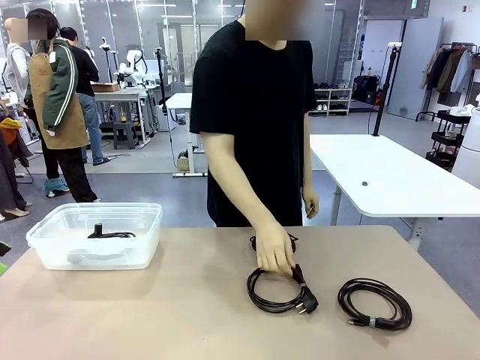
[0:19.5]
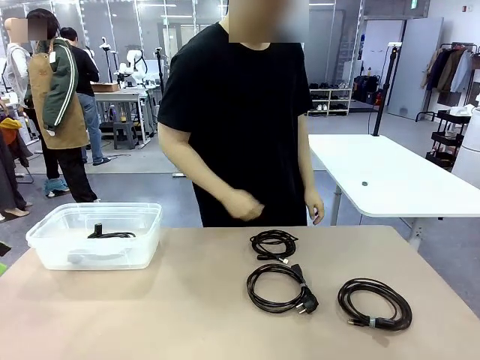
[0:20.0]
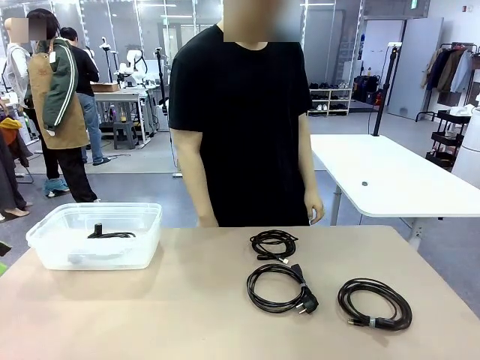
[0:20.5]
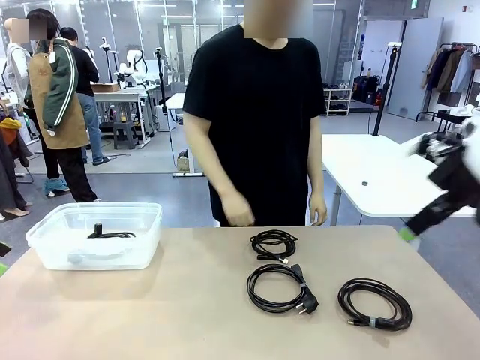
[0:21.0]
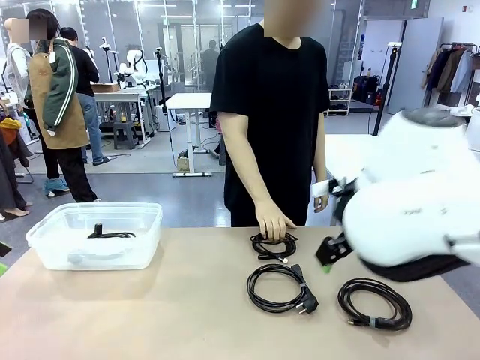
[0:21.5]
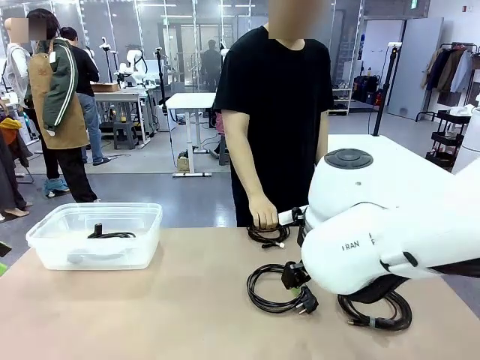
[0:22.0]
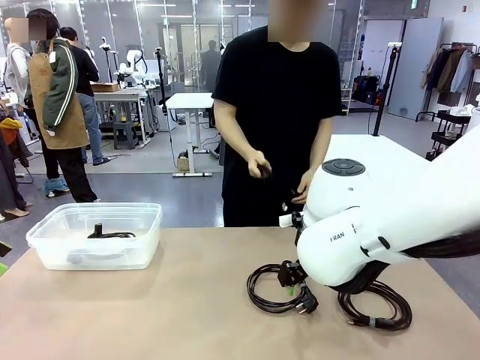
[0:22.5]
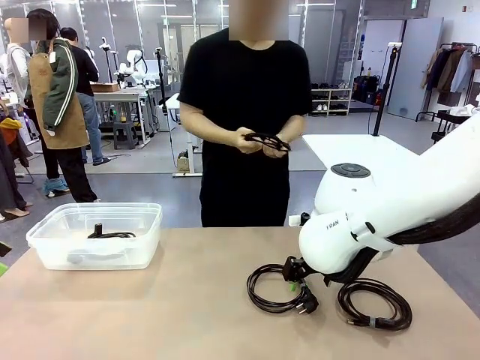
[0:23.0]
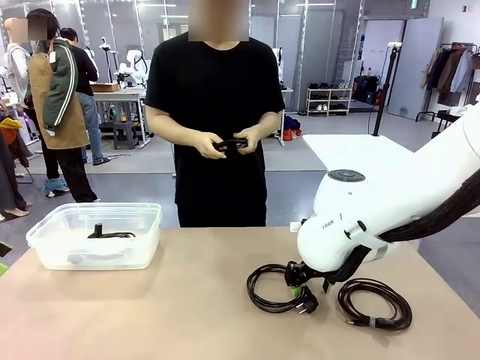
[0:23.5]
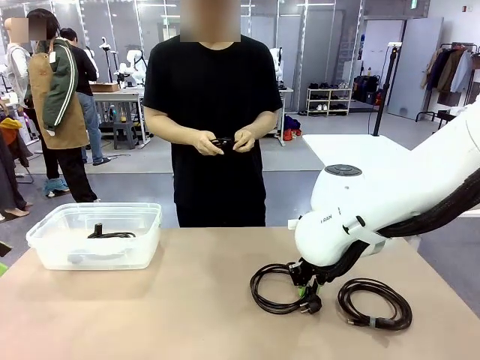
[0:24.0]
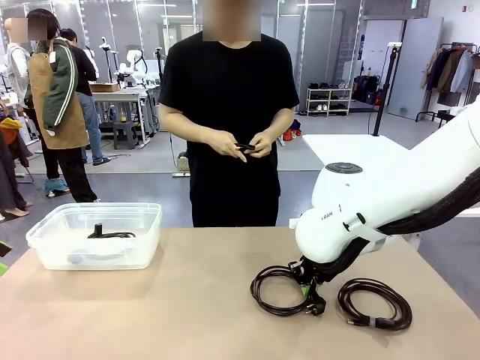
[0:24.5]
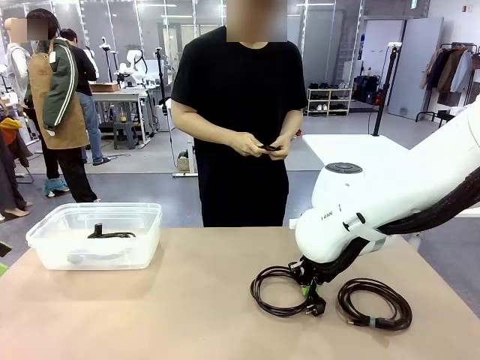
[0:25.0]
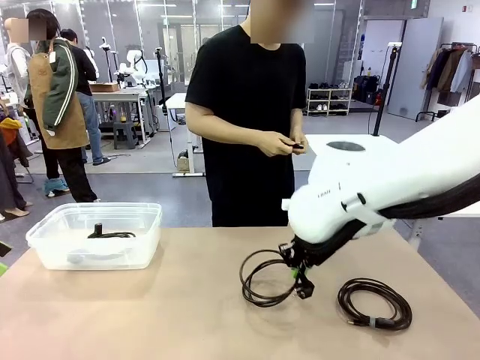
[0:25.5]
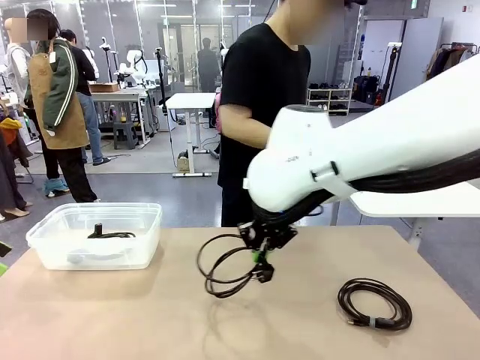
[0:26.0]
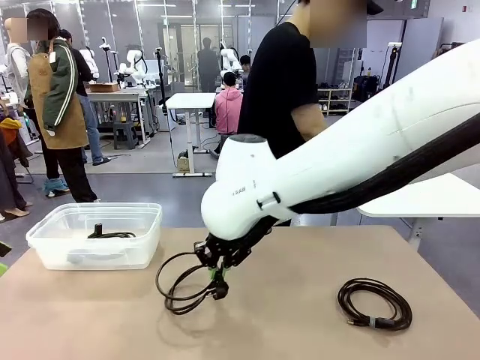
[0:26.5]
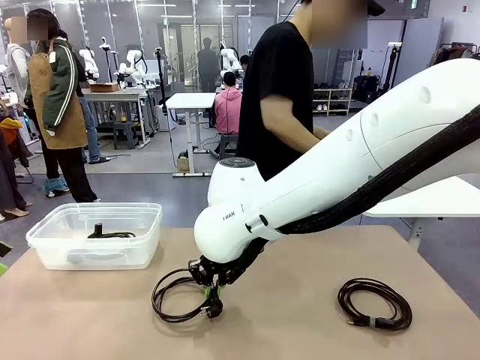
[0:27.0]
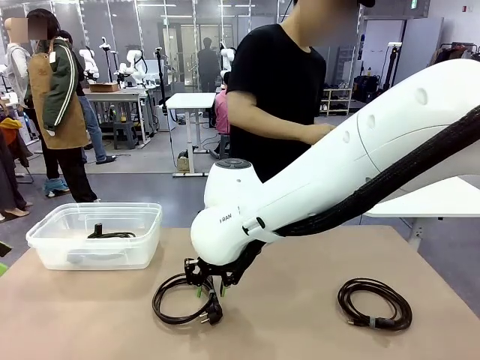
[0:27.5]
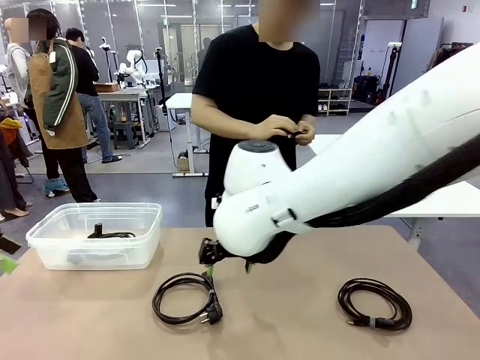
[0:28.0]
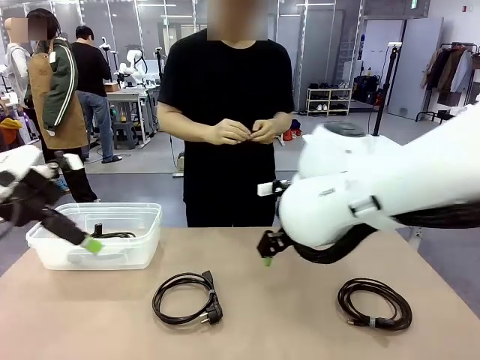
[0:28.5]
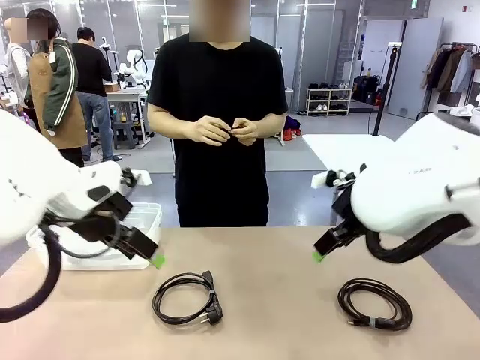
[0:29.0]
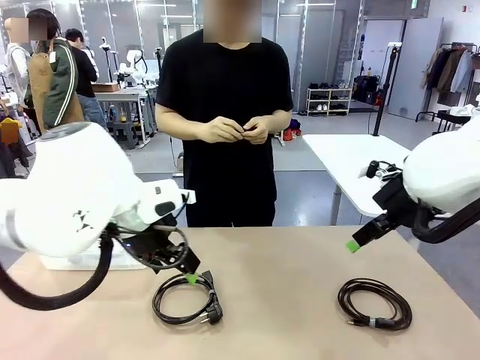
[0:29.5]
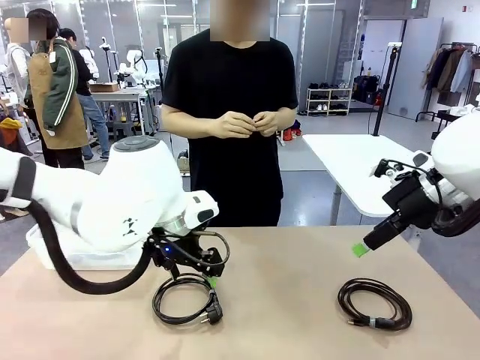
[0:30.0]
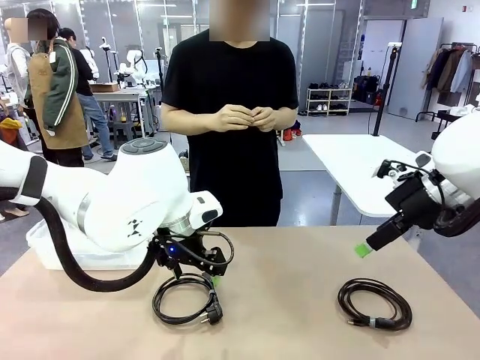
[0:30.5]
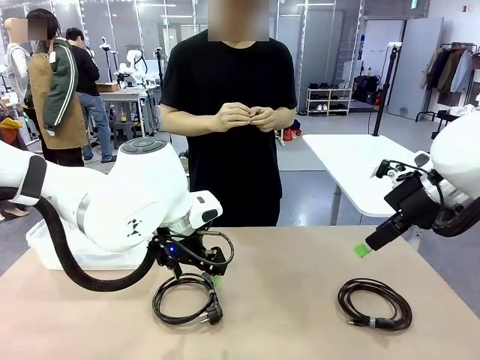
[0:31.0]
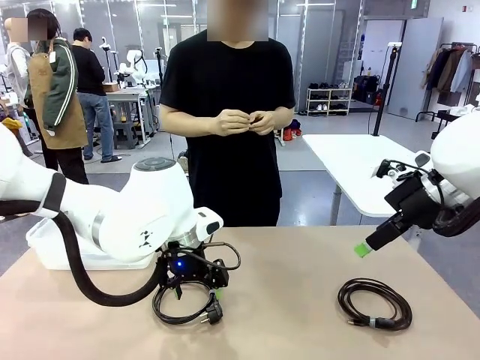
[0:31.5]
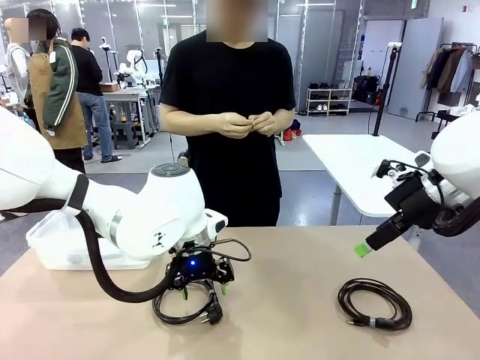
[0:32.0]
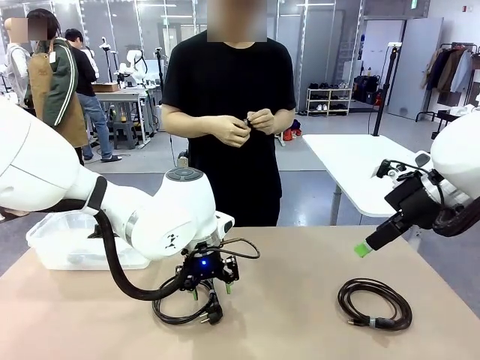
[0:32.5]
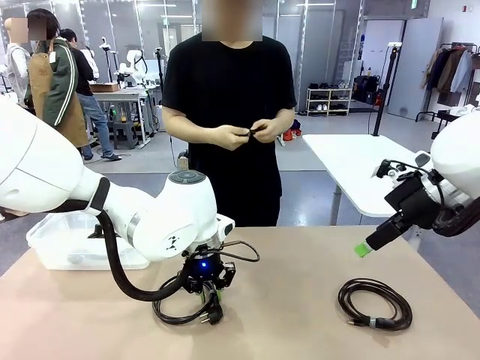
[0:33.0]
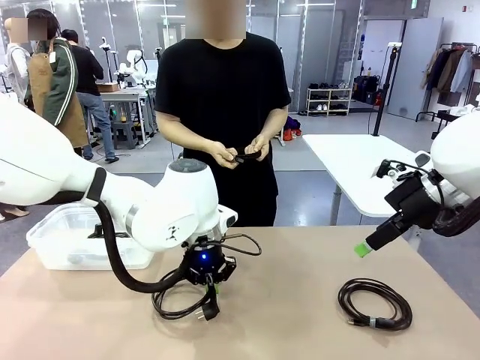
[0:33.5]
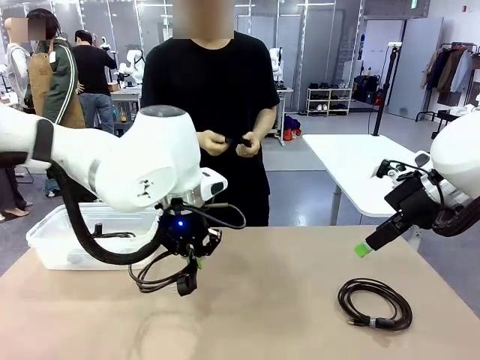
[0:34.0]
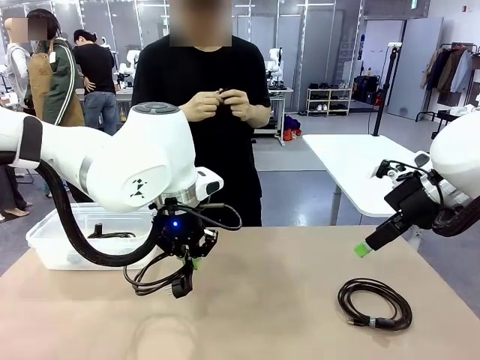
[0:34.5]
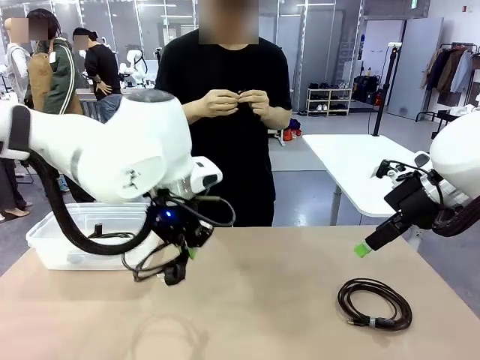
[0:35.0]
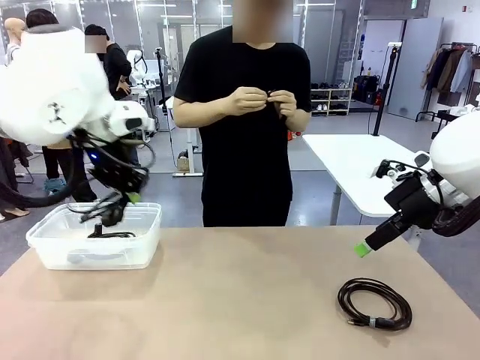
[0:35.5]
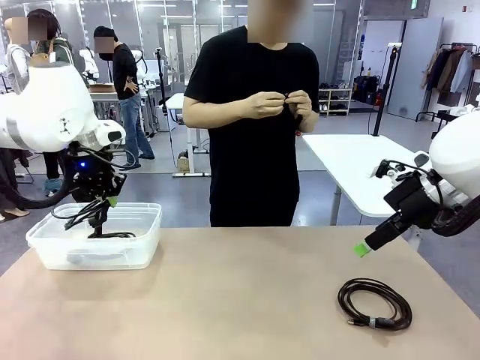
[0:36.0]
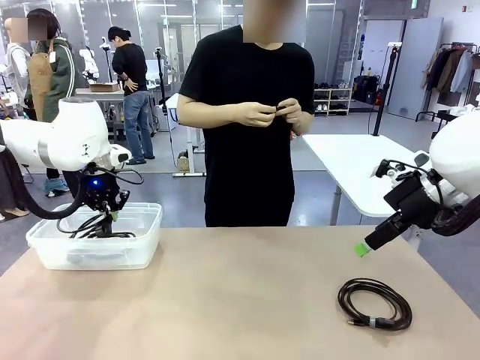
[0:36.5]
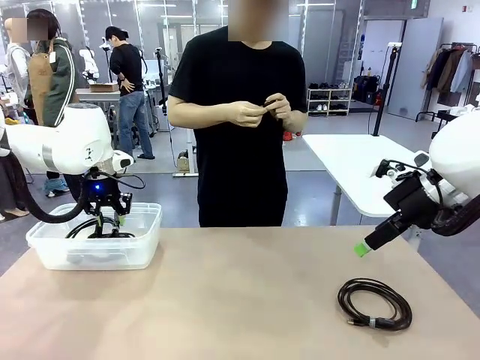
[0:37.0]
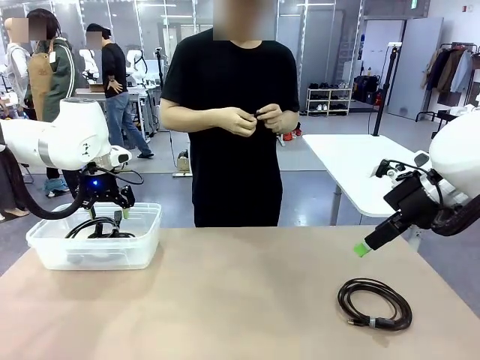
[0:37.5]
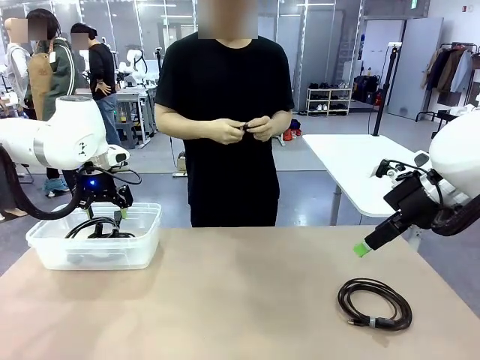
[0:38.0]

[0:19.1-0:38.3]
Task: Organize and store the cables.
Robot: Place the Power Cable into the Organizing box.

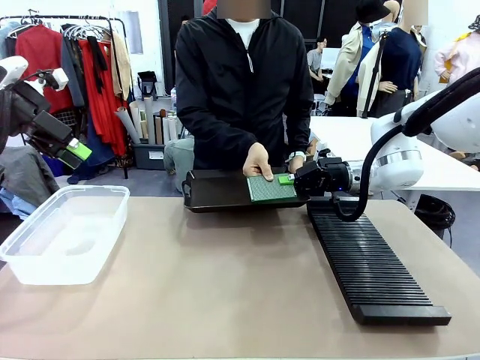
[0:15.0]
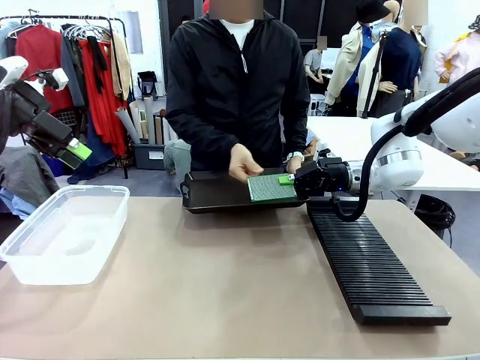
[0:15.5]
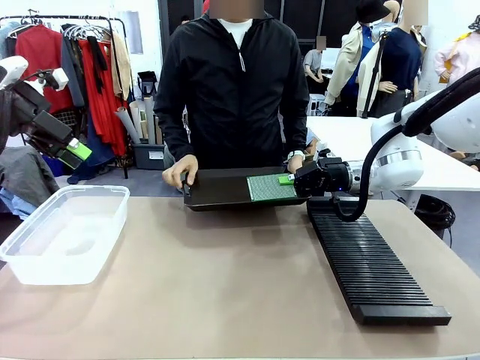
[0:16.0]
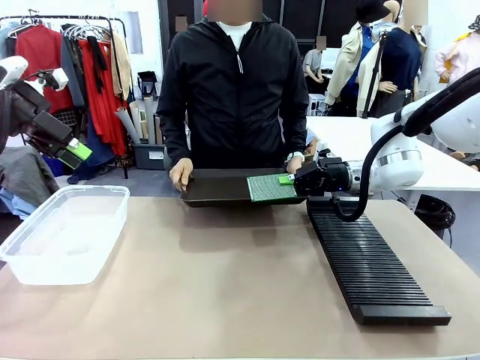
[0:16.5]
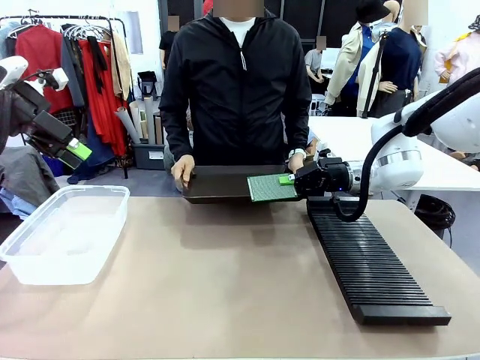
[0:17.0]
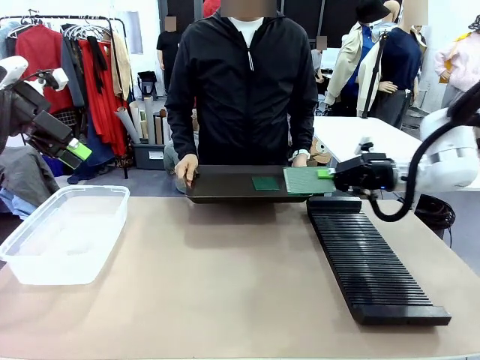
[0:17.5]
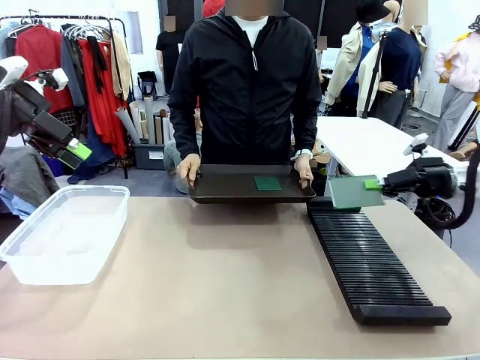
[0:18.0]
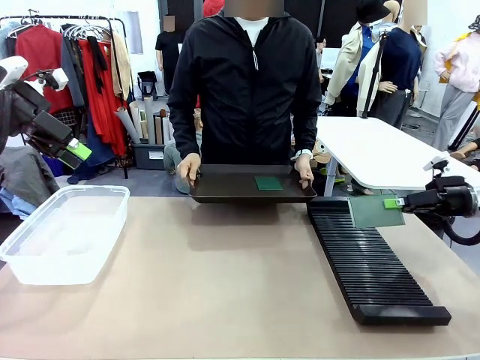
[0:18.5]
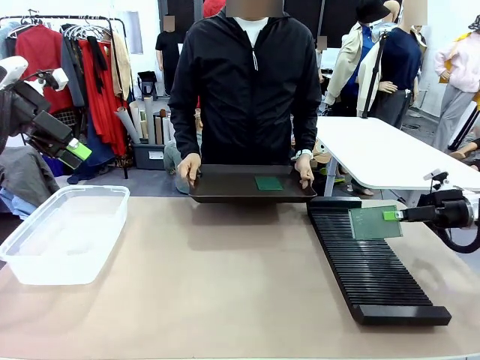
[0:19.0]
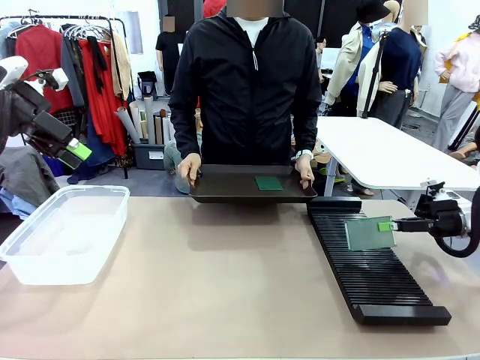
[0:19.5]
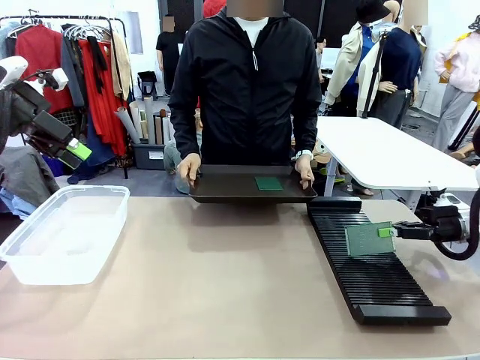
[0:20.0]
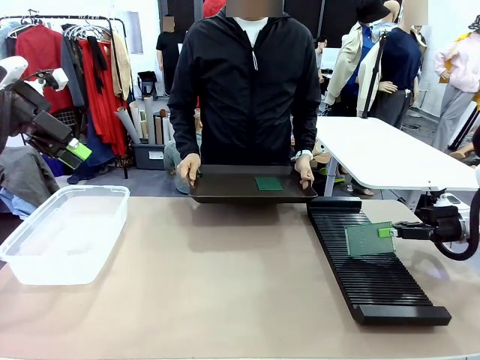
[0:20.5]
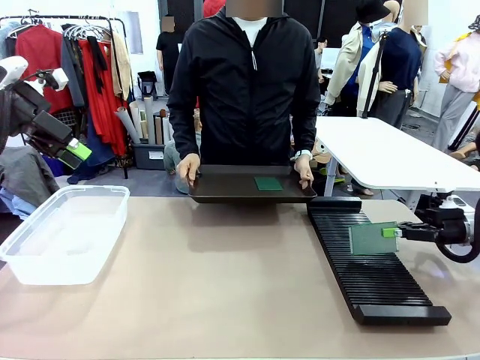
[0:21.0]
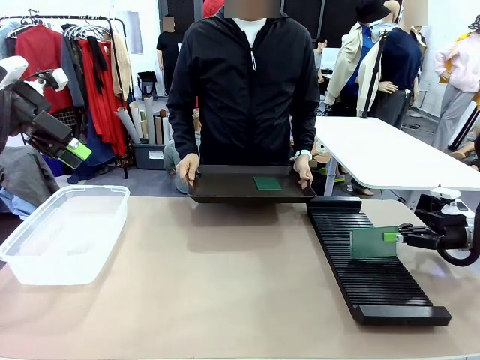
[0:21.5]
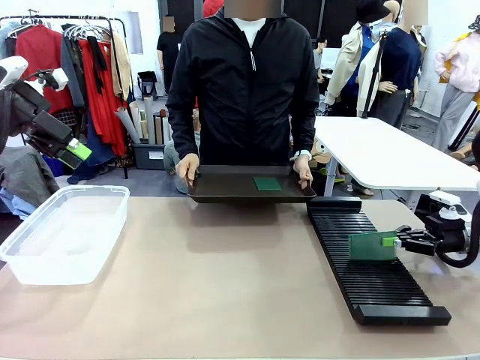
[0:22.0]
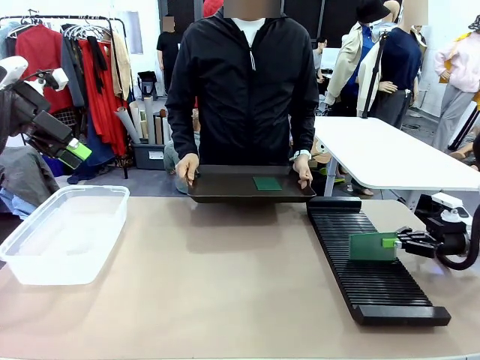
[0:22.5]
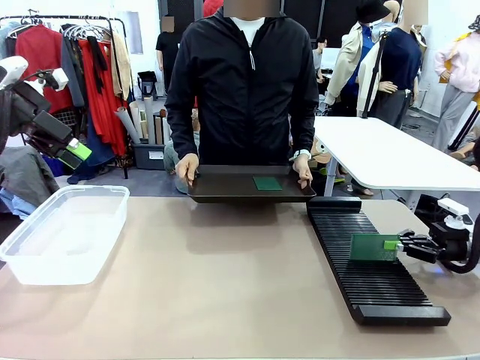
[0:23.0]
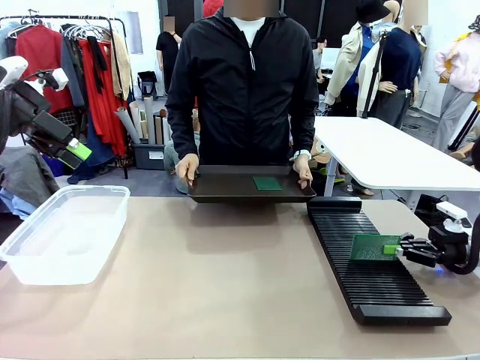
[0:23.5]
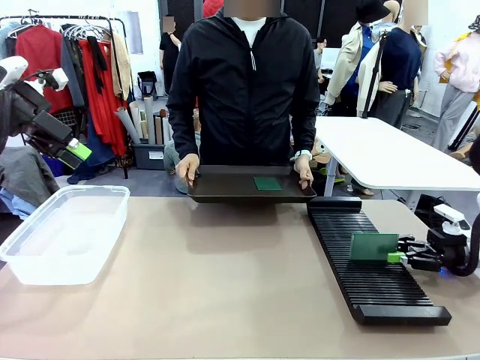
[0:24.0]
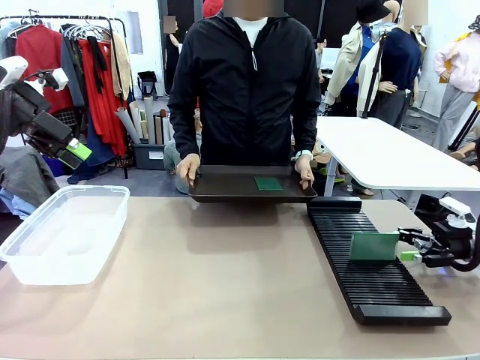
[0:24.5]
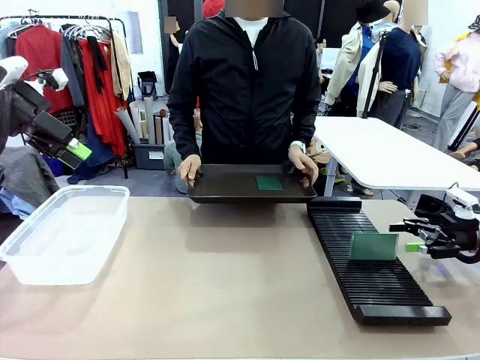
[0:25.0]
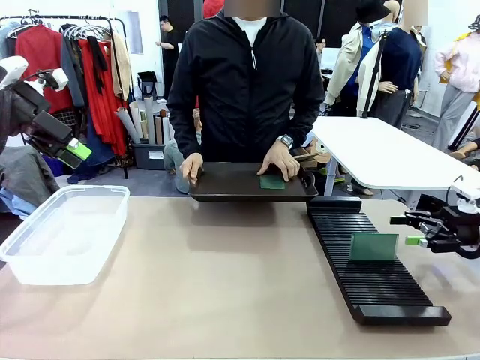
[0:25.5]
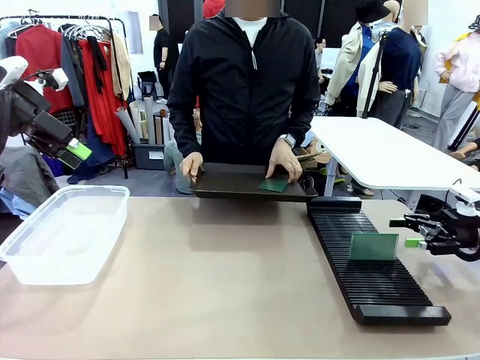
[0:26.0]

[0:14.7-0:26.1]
Task: Sort PCBs into racks and boxes based on the side picked up.
Robot: If the short side of the Blank PCB is picked up, insert it into the PCB Rack ; if the long side is picked up, place it in the Organizing box.
Person: Pick one PCB from the tray and present it to the robot.
